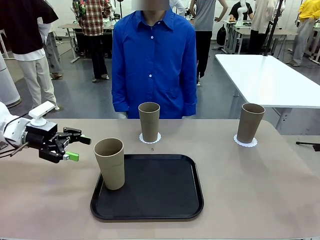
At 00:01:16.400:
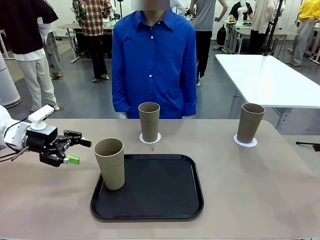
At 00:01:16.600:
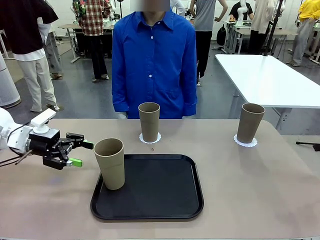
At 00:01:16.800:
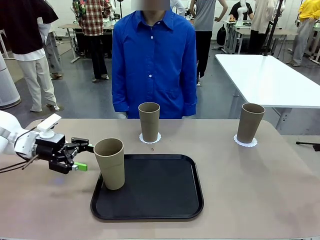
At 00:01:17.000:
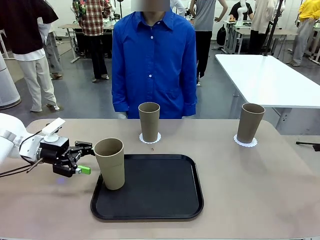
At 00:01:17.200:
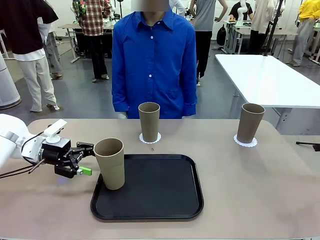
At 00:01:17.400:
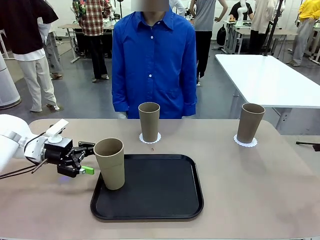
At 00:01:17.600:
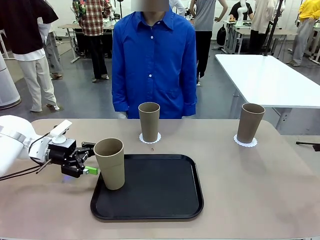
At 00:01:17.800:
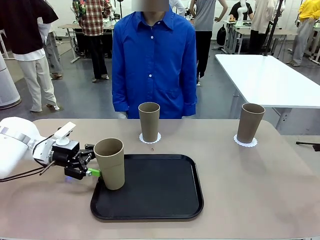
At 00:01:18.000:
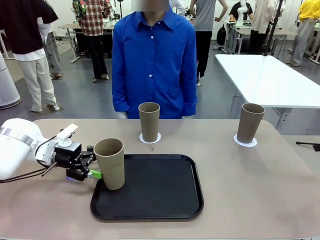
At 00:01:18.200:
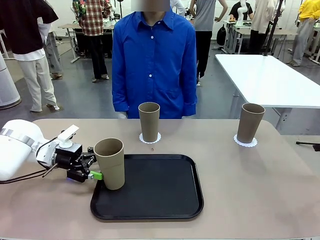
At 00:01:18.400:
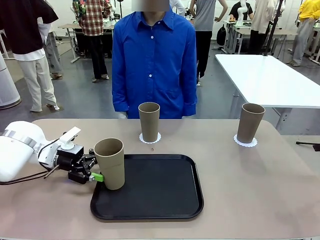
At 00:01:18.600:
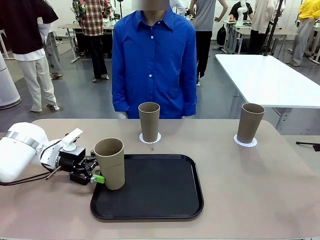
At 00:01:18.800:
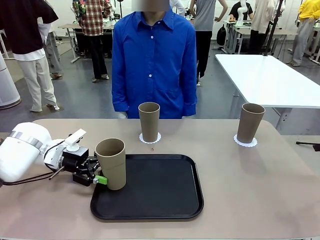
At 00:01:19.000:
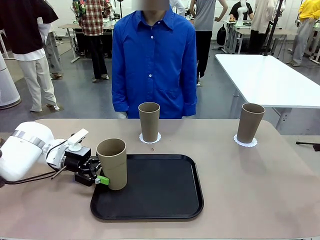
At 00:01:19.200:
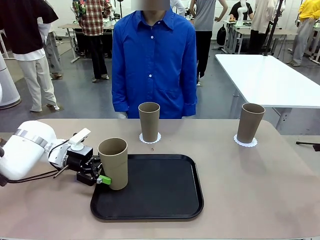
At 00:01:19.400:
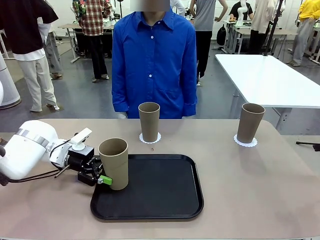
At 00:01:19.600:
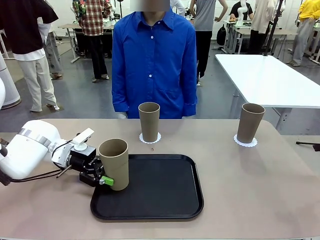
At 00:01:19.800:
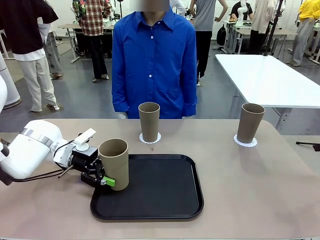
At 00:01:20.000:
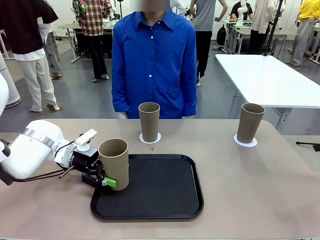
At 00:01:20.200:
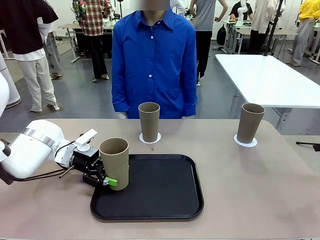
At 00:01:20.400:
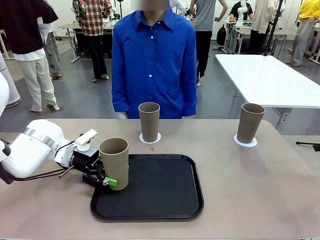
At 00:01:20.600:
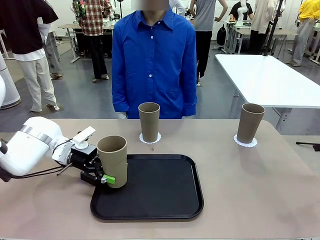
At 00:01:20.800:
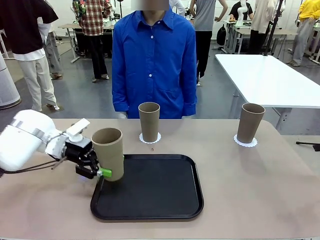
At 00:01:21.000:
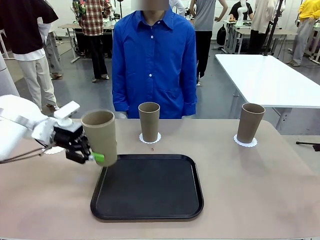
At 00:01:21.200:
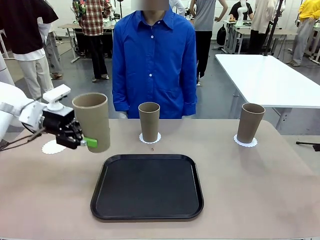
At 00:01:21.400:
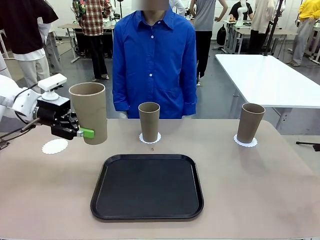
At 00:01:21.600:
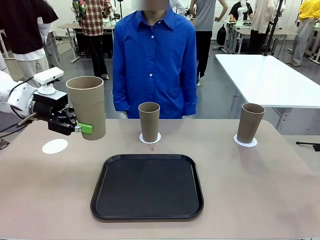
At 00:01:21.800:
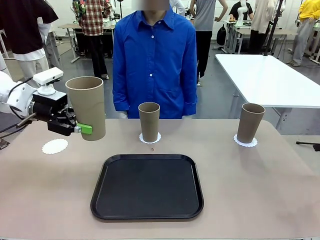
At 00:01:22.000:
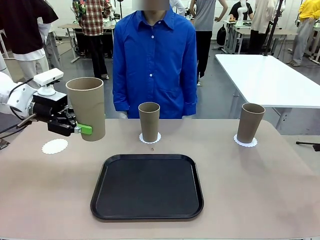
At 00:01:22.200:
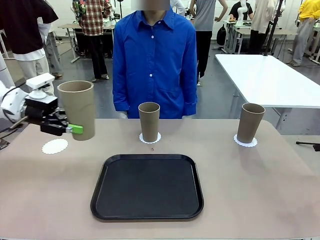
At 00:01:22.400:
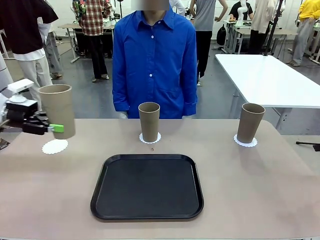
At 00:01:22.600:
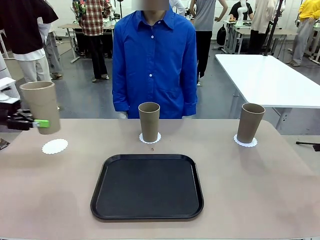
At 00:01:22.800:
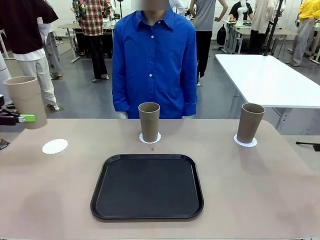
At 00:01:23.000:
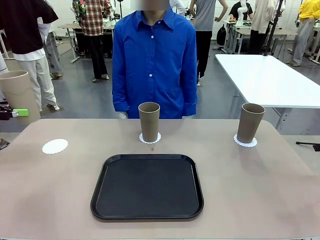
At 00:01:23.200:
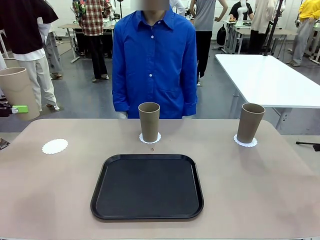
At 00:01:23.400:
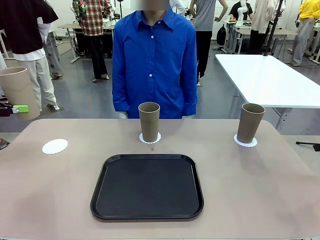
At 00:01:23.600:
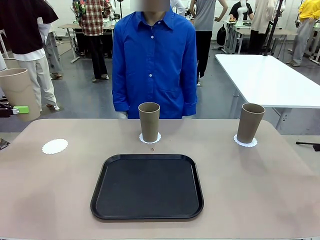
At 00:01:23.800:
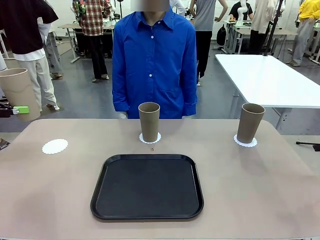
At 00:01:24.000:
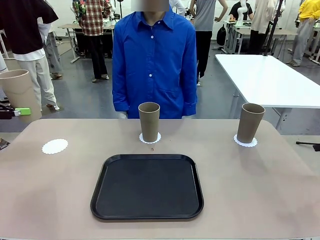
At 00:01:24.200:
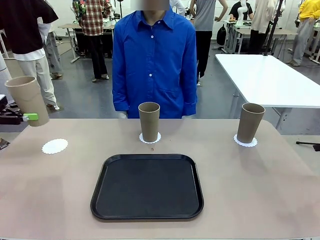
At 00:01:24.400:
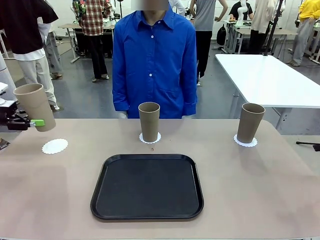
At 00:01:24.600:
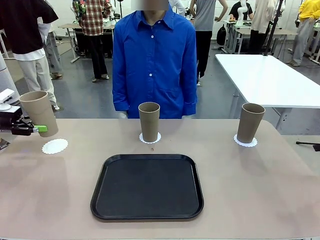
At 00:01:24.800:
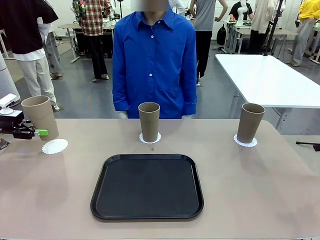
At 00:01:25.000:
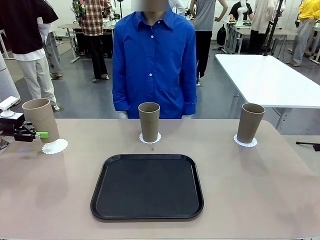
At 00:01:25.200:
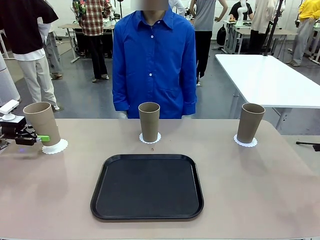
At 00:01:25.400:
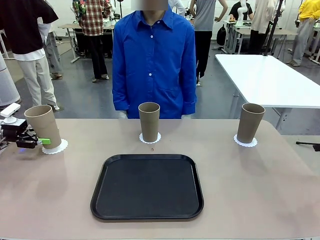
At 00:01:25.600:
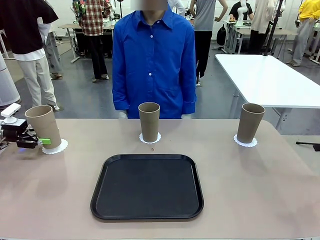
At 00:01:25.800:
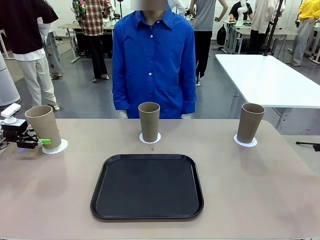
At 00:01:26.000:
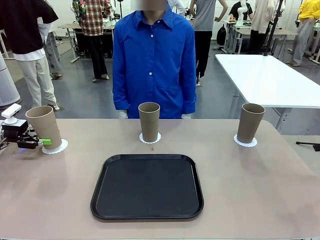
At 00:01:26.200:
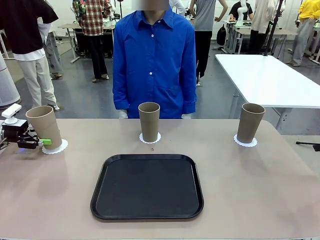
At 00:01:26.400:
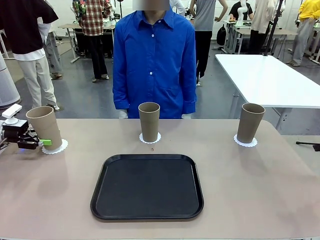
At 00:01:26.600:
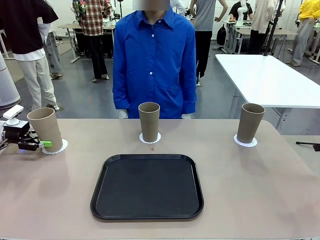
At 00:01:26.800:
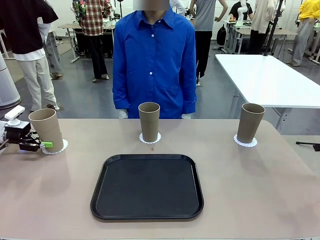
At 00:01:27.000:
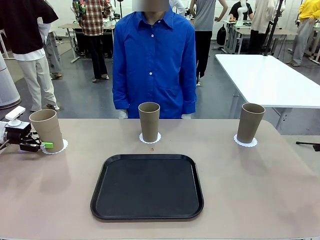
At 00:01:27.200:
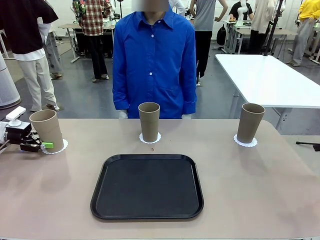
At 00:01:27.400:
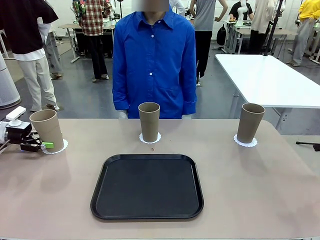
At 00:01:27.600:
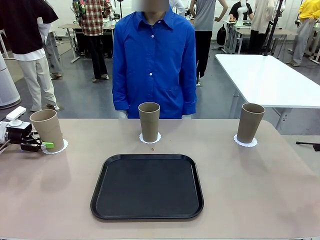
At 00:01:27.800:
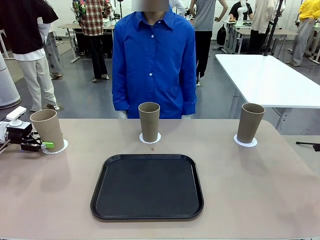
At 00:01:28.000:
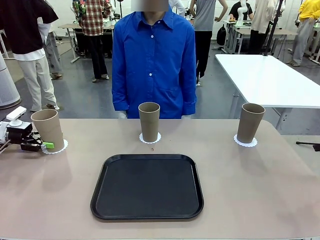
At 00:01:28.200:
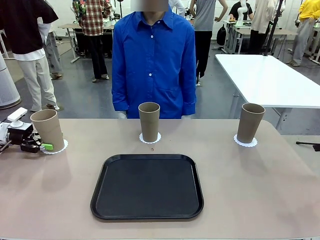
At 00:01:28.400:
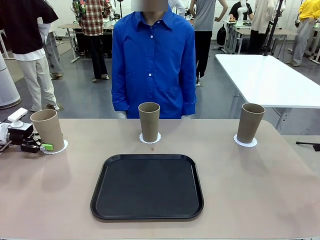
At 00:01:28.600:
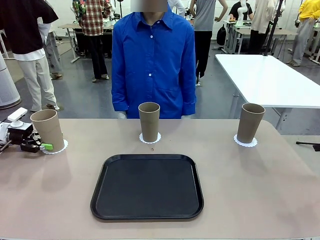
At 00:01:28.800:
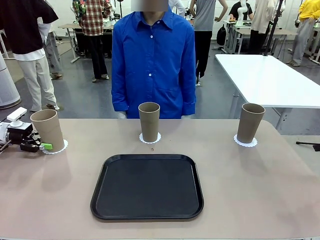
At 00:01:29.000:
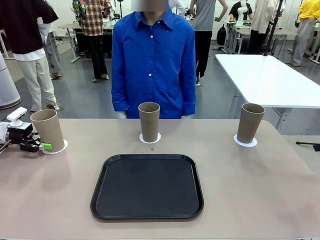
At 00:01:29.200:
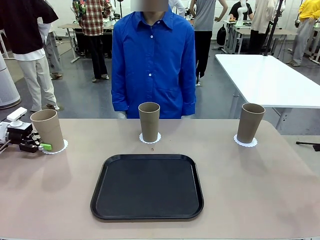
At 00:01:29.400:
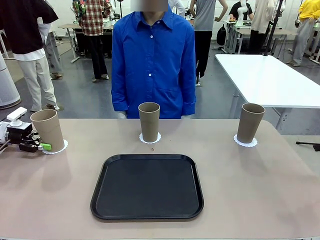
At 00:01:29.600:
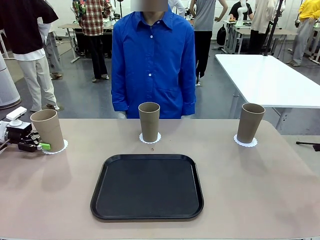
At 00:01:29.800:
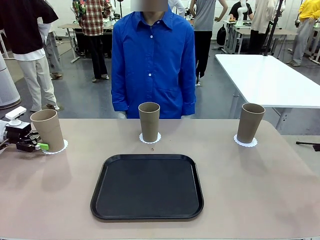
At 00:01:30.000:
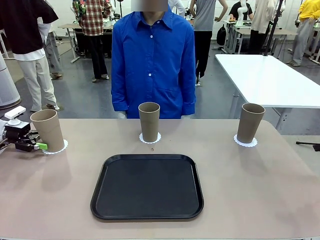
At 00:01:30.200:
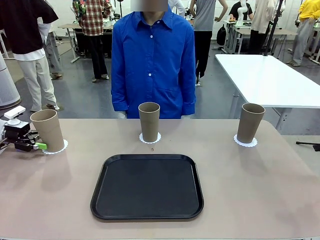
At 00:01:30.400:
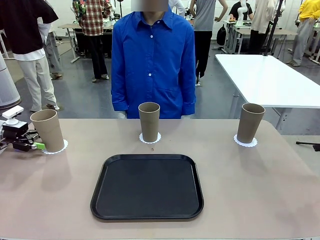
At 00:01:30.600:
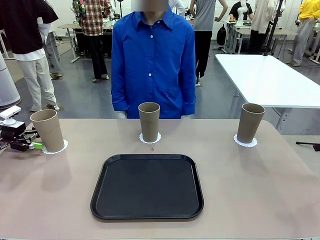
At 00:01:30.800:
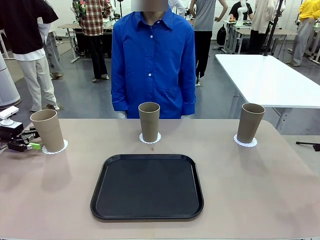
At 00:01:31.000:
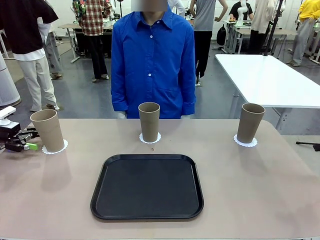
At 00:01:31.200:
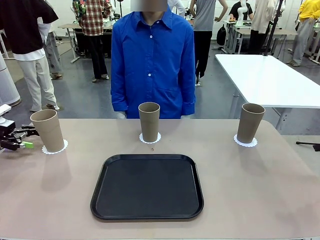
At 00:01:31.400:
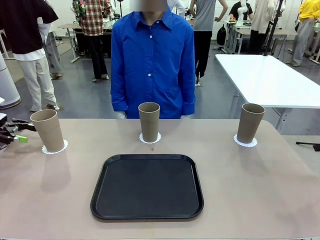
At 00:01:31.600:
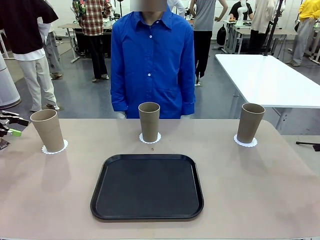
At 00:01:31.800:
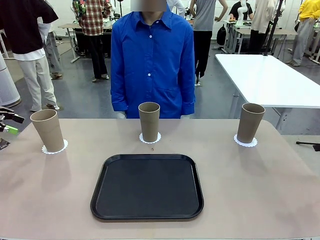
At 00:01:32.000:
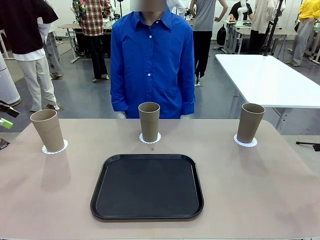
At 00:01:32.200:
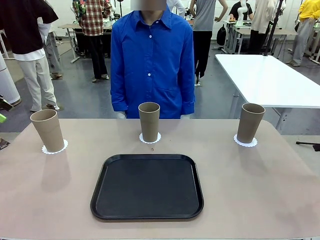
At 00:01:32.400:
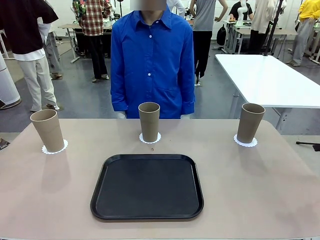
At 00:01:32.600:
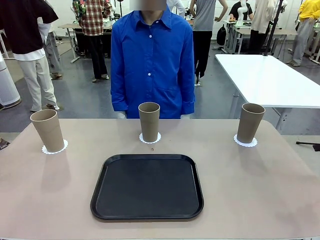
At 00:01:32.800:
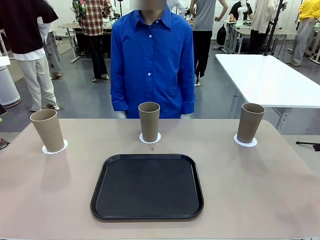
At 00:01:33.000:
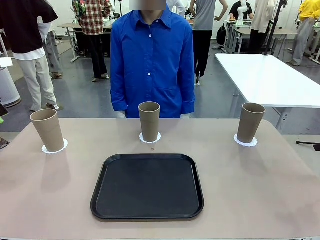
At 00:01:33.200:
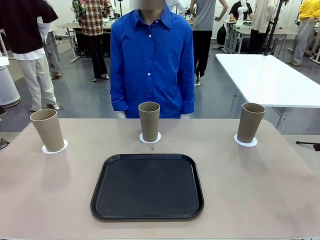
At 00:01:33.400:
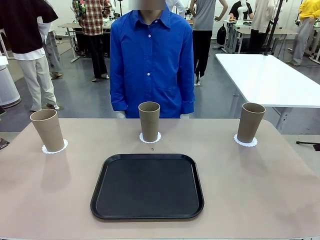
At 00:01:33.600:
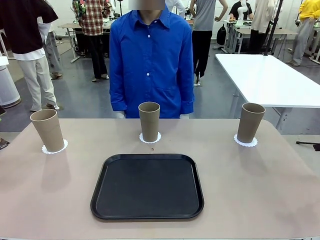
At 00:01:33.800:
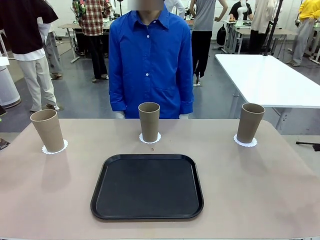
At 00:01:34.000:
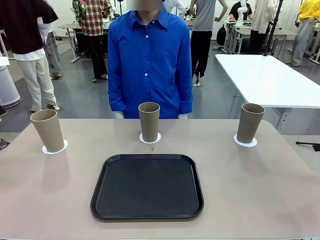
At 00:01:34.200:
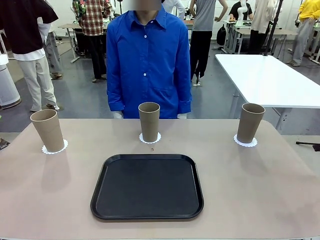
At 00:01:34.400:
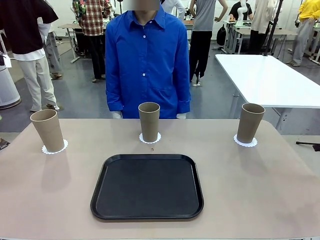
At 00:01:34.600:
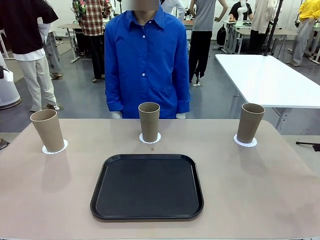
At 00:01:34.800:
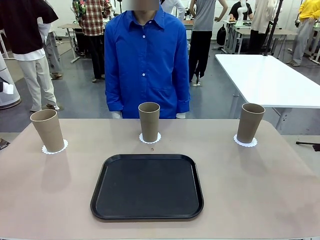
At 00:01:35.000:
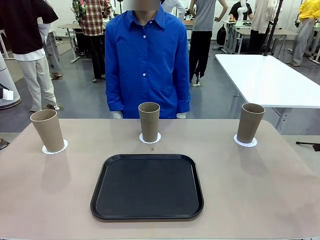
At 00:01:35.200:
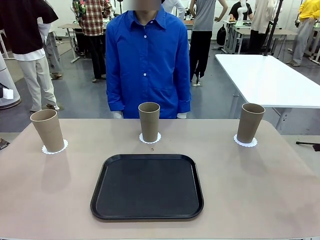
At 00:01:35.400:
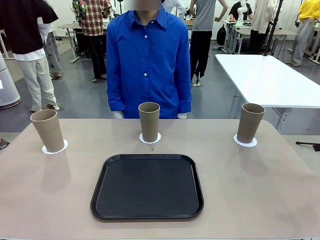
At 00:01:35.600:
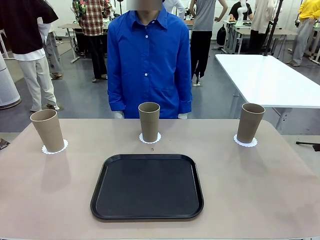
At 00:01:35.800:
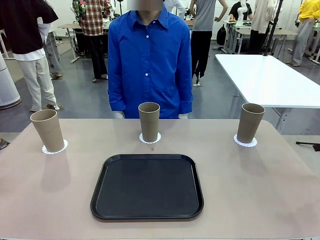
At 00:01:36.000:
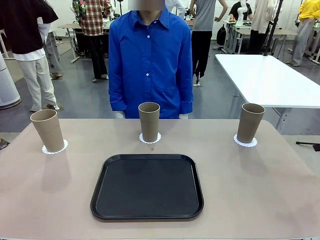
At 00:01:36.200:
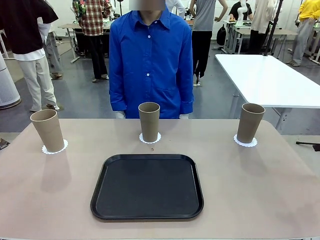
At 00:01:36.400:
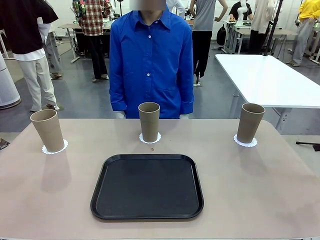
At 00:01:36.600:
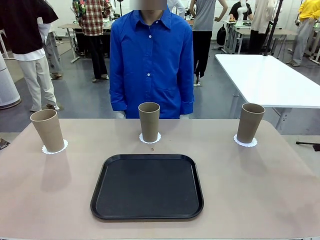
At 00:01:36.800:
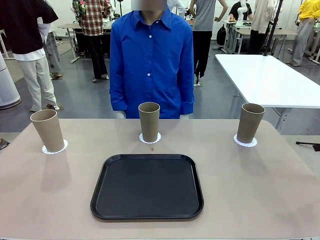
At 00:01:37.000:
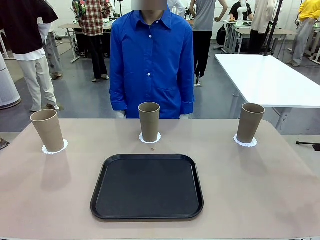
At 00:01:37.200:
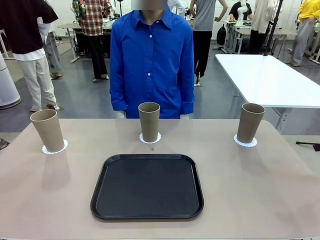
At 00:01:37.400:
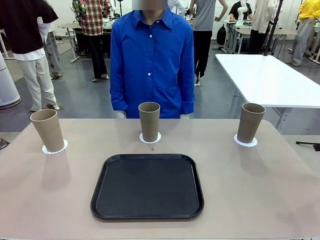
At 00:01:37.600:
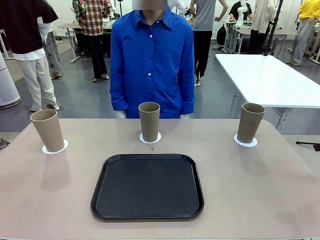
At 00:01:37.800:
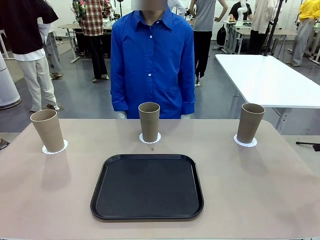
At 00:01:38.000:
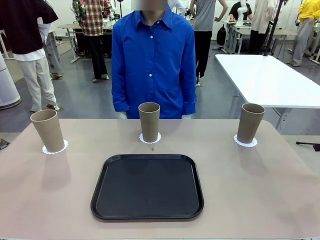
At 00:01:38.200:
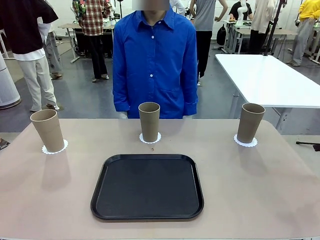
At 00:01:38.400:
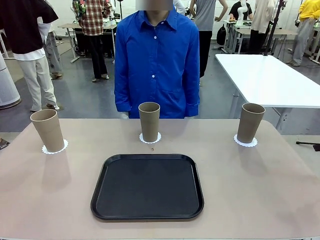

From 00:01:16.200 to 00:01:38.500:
Task: Place coasters on the table and set cups on them.
Robot: Take one Reusable plastic cup from the Flat Tray and place it on a coaster set by the human.
